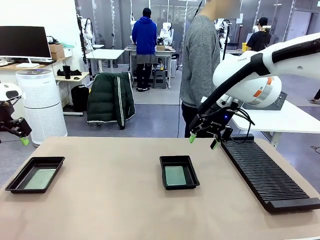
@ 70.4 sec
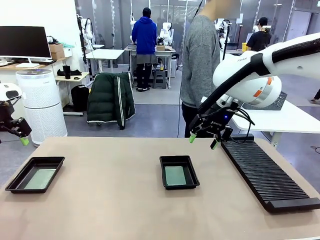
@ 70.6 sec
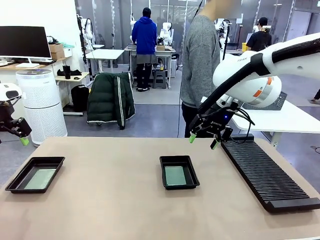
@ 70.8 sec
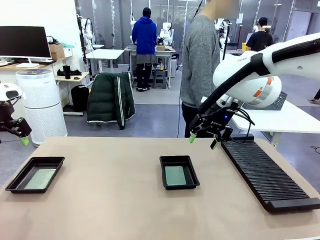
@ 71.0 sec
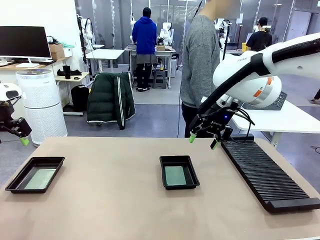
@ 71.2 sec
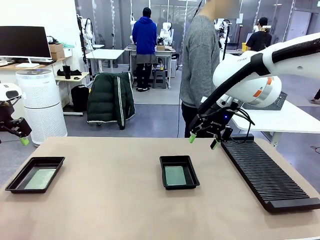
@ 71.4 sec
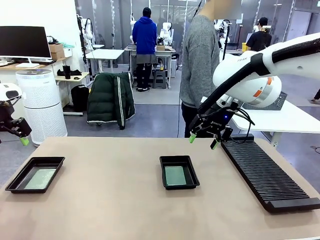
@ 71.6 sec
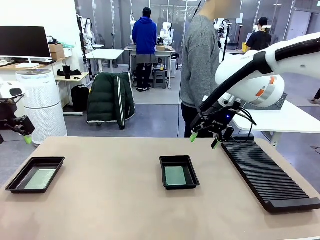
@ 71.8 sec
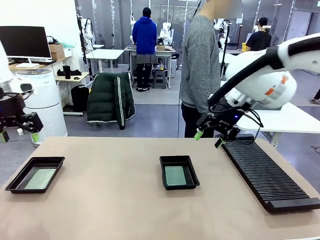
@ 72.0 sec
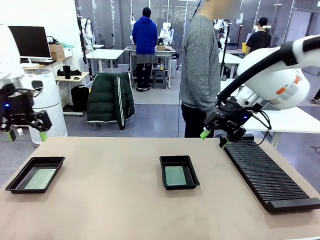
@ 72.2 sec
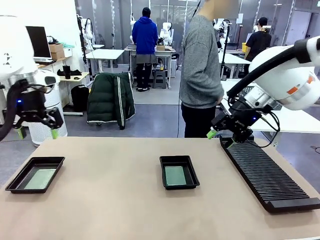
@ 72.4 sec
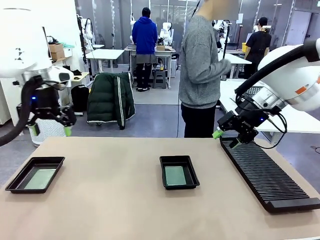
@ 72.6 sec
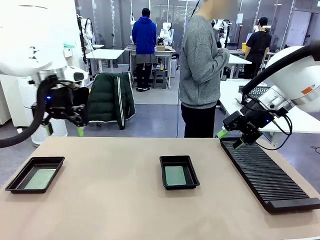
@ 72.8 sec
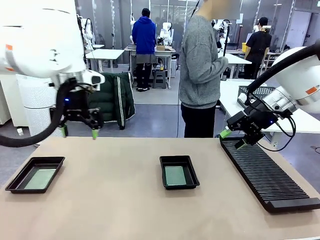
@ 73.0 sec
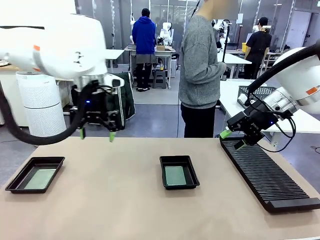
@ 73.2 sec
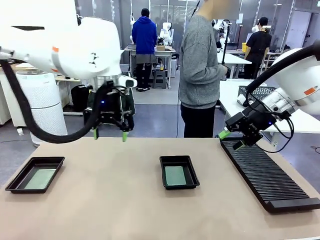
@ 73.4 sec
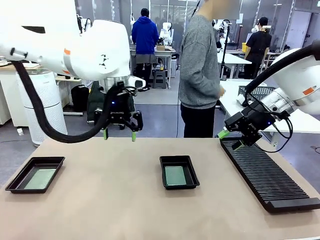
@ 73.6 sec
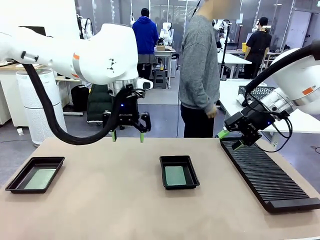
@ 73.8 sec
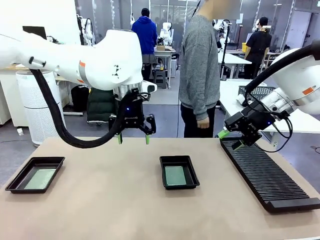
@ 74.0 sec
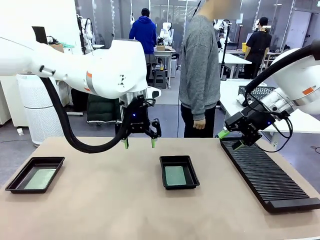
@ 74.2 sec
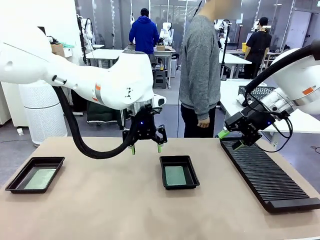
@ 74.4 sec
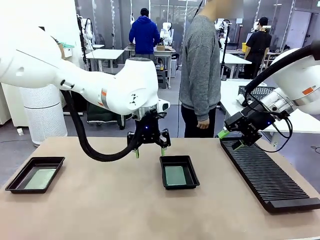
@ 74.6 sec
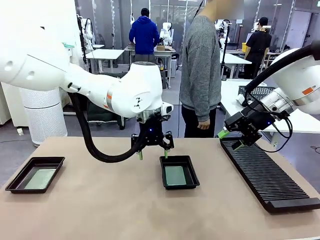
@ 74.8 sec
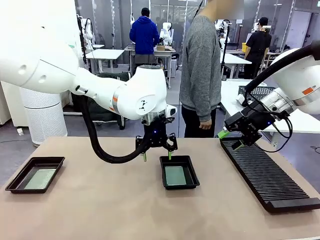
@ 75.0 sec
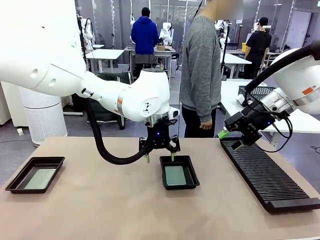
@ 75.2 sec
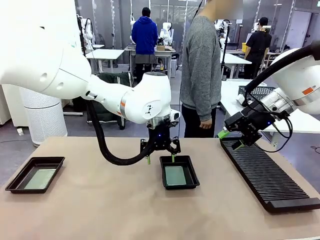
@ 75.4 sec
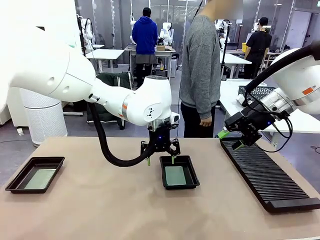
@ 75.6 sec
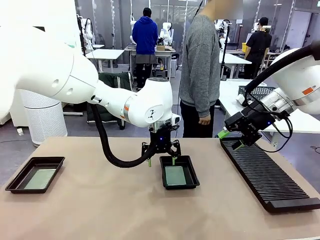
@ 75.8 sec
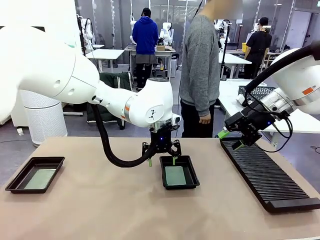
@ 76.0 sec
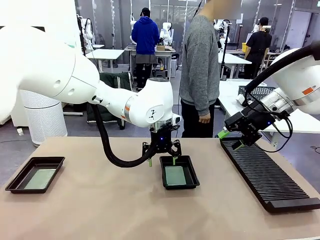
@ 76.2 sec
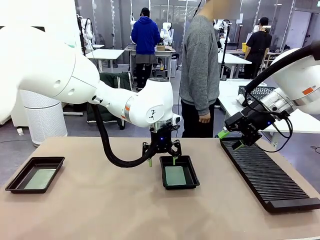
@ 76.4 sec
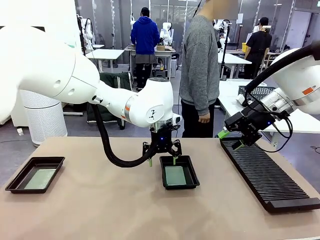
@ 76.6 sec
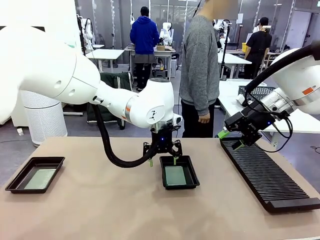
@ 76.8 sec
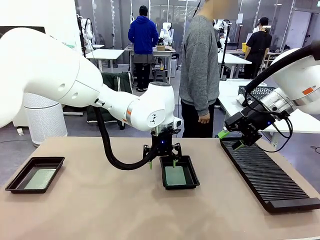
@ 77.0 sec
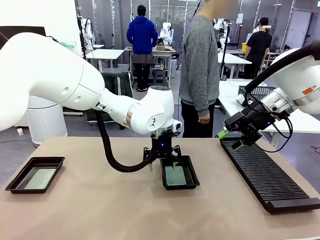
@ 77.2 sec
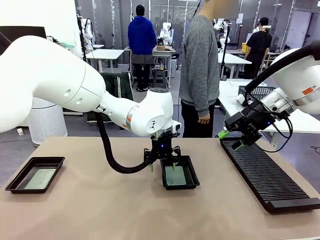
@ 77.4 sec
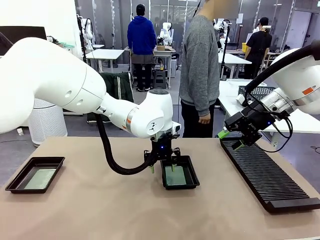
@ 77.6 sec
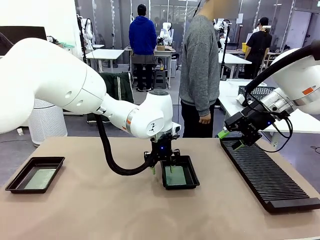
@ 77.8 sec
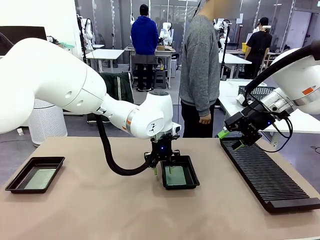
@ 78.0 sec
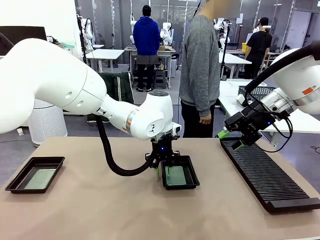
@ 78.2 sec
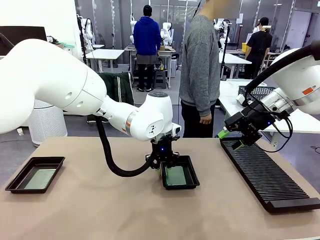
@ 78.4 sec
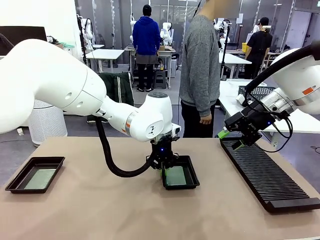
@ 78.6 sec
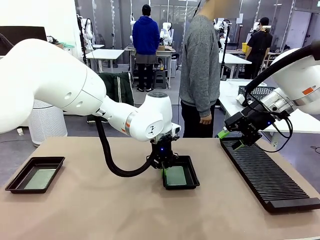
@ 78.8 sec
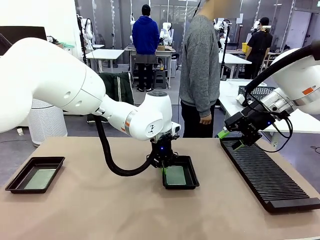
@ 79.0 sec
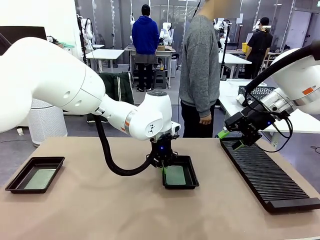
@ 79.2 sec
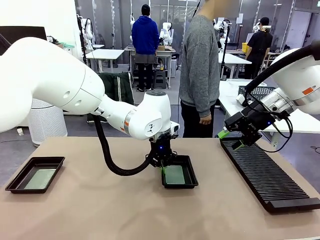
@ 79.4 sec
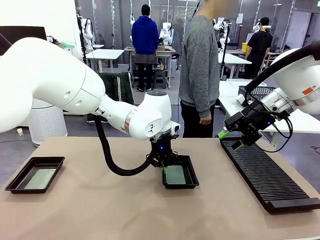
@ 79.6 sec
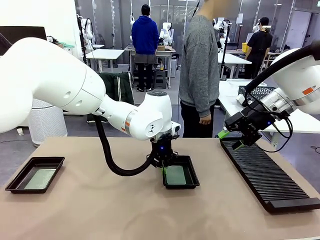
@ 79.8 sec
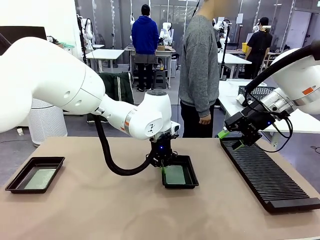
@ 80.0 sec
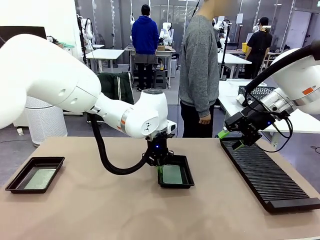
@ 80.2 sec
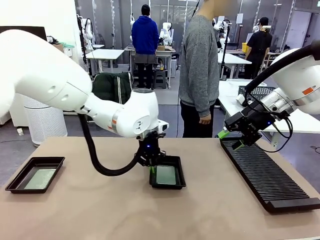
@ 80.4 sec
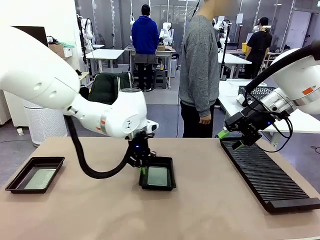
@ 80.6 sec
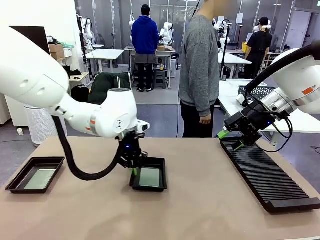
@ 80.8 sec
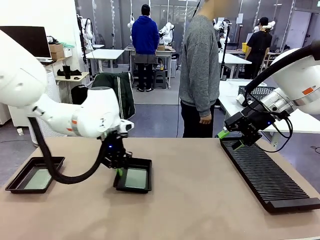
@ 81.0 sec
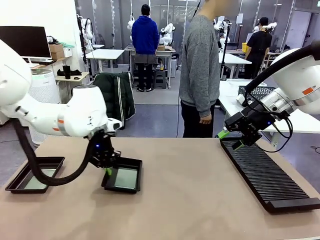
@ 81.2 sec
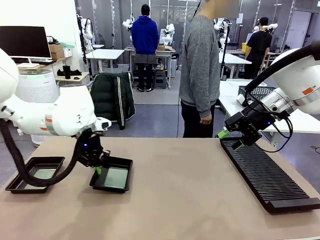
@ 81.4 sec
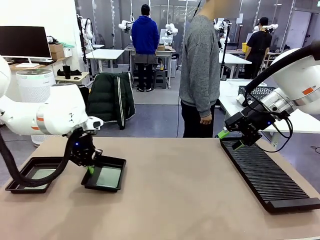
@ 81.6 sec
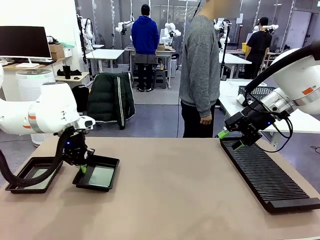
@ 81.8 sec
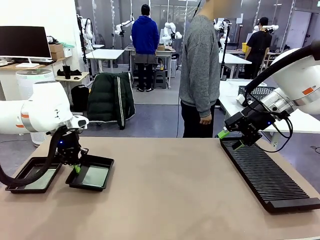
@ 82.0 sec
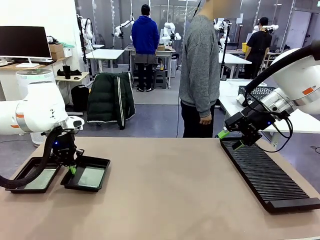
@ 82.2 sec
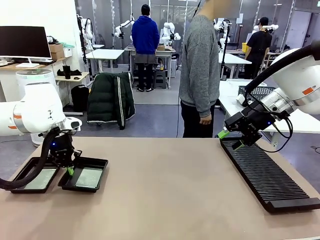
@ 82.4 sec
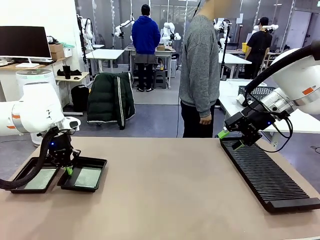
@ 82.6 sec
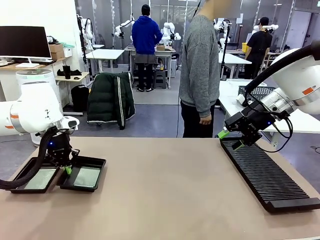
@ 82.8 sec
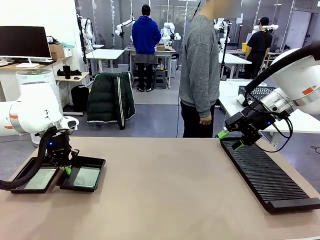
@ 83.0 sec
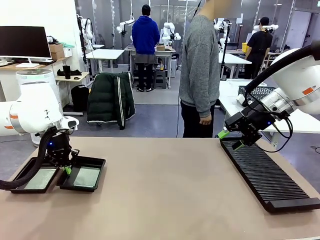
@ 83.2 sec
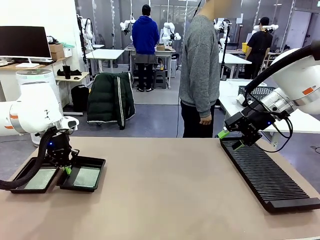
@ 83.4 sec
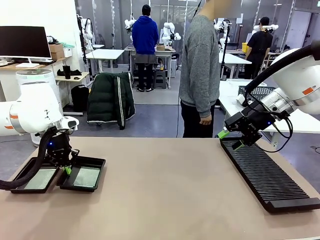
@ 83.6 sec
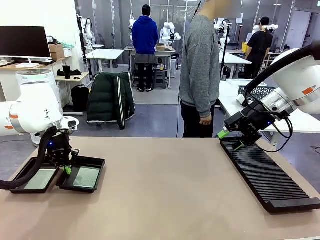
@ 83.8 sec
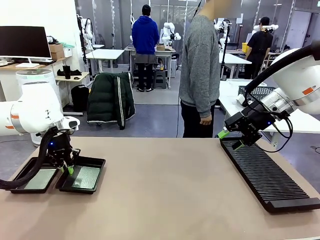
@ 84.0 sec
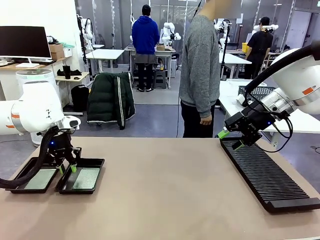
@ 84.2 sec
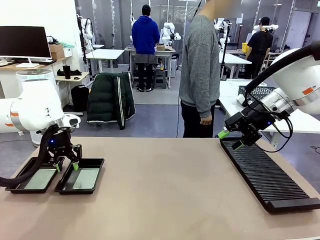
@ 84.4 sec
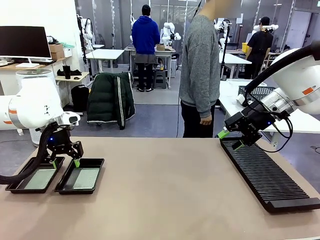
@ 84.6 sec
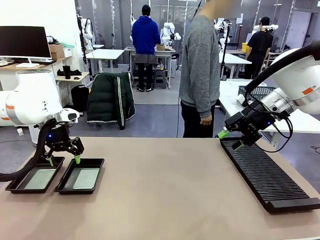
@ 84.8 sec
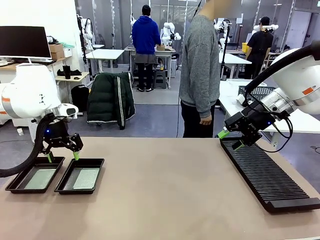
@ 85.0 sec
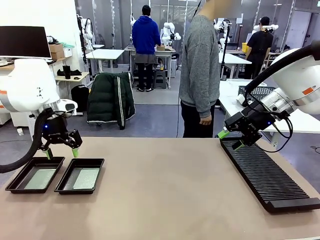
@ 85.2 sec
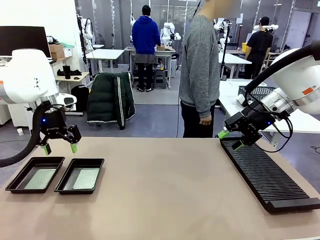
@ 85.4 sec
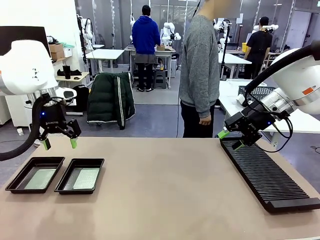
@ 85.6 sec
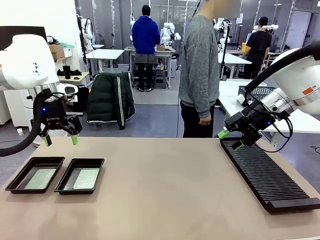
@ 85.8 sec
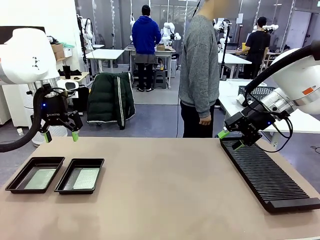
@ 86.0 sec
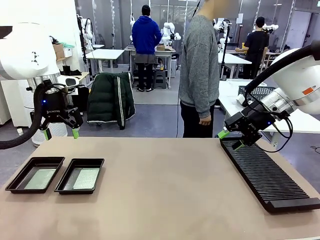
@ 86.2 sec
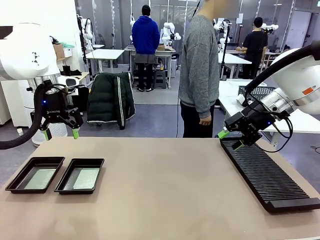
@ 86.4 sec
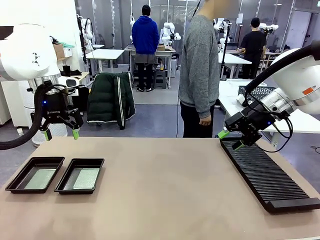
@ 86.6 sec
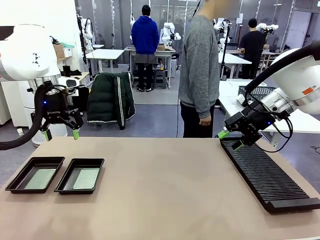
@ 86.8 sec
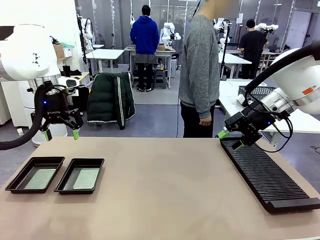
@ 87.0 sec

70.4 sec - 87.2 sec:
Task: Inspect and transfer BCBs to ESD trays.
Robot: Pick up the ESD tray and place it on the left side of the table.
